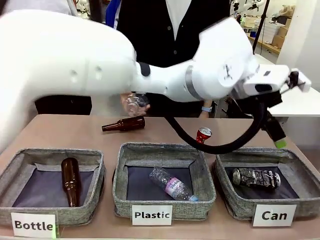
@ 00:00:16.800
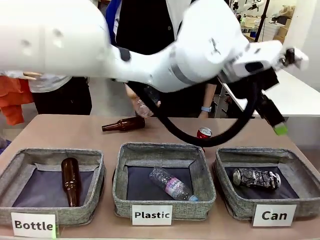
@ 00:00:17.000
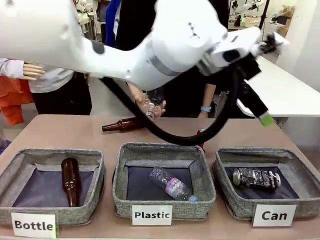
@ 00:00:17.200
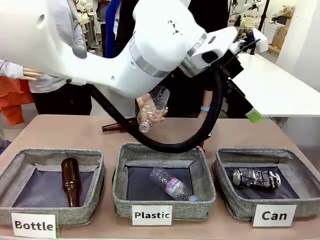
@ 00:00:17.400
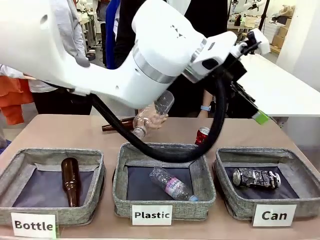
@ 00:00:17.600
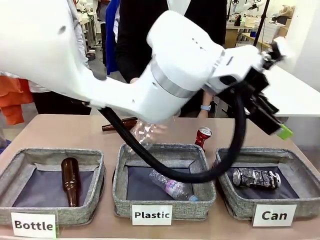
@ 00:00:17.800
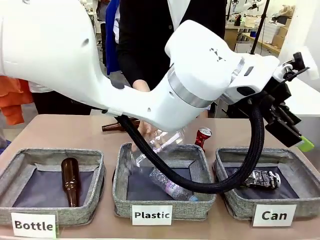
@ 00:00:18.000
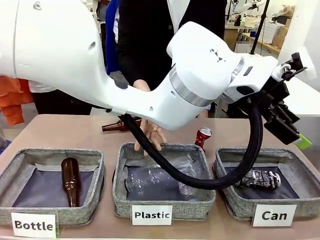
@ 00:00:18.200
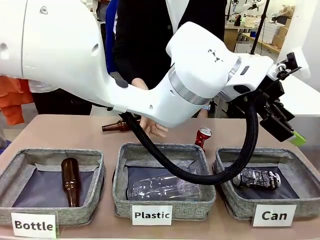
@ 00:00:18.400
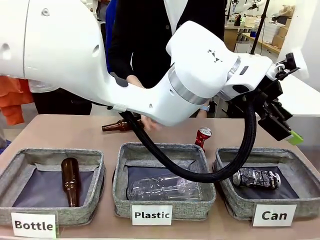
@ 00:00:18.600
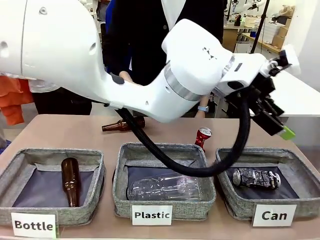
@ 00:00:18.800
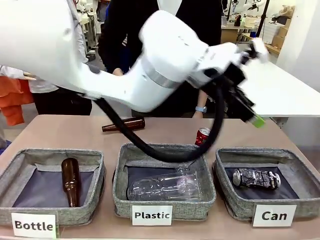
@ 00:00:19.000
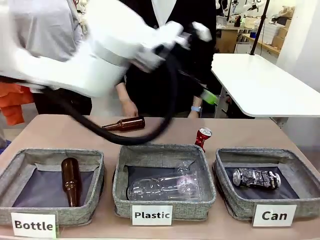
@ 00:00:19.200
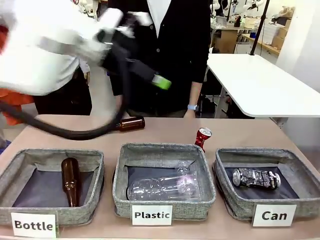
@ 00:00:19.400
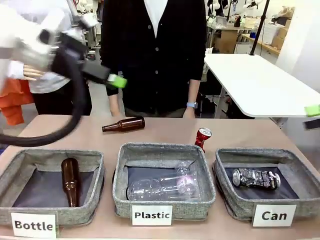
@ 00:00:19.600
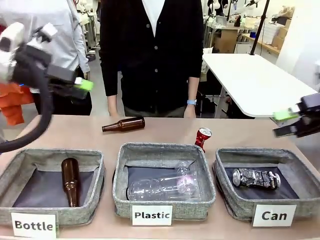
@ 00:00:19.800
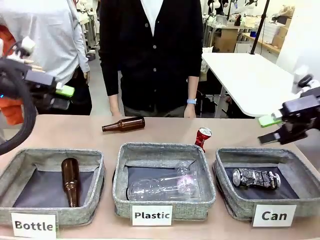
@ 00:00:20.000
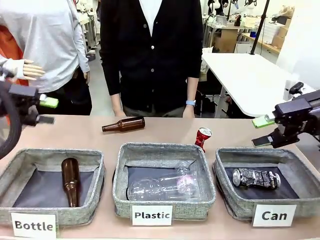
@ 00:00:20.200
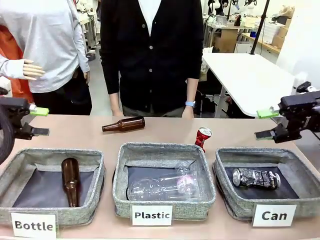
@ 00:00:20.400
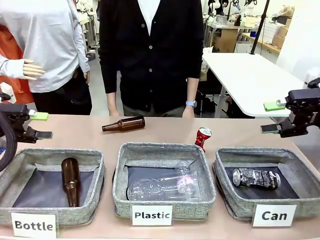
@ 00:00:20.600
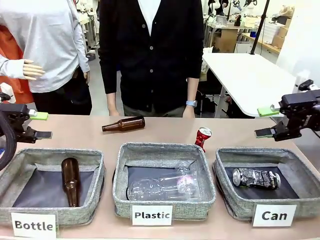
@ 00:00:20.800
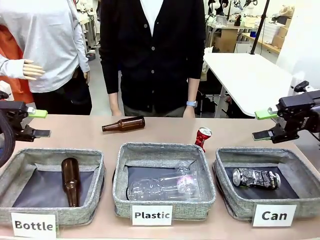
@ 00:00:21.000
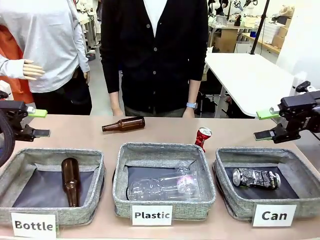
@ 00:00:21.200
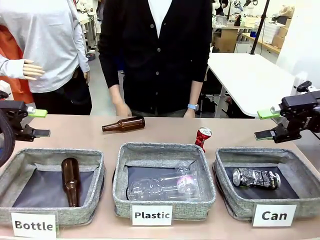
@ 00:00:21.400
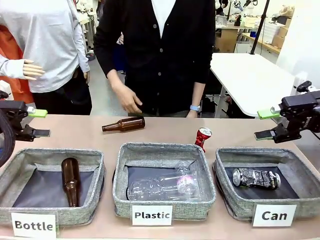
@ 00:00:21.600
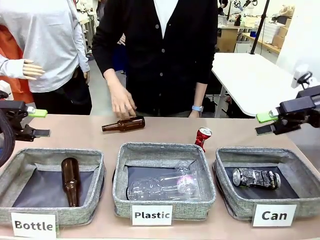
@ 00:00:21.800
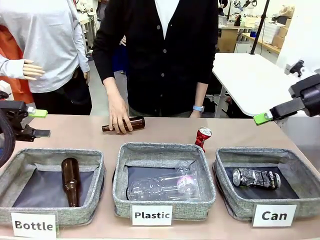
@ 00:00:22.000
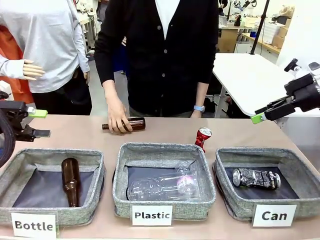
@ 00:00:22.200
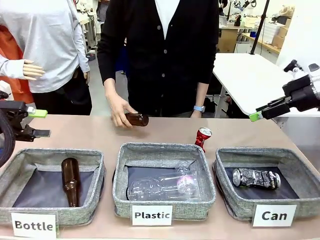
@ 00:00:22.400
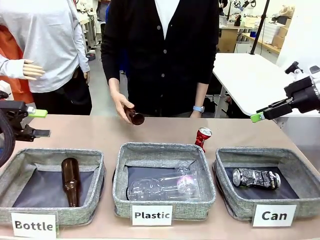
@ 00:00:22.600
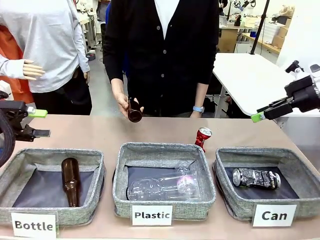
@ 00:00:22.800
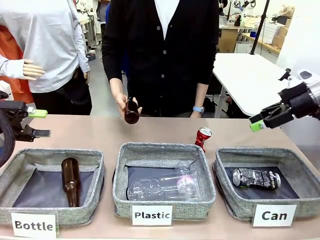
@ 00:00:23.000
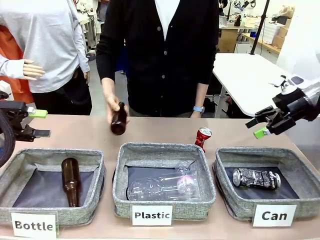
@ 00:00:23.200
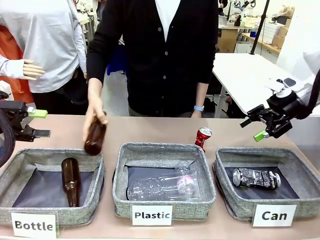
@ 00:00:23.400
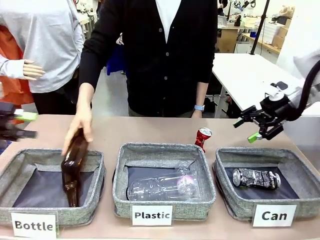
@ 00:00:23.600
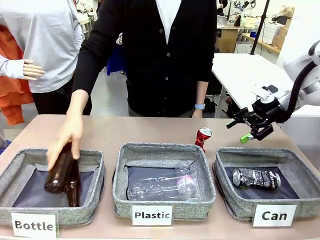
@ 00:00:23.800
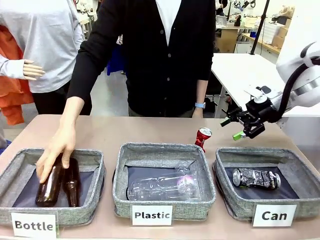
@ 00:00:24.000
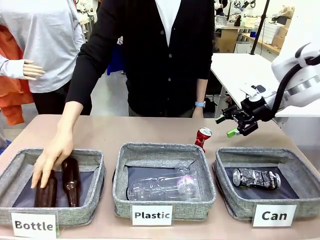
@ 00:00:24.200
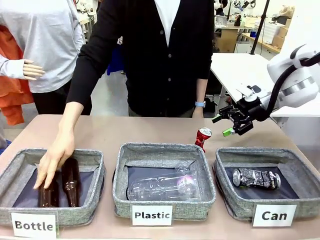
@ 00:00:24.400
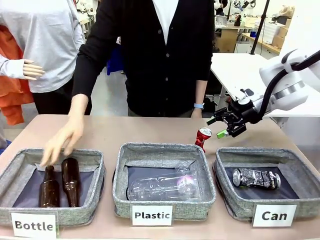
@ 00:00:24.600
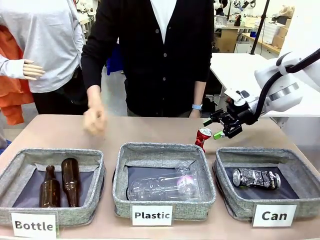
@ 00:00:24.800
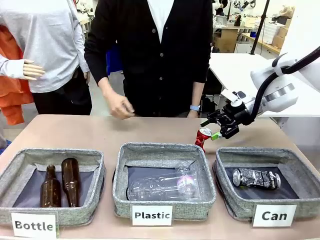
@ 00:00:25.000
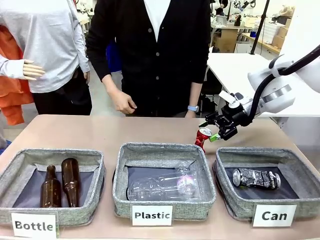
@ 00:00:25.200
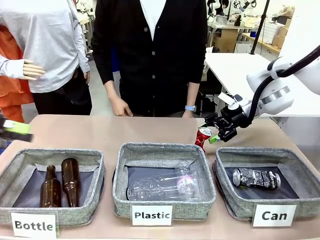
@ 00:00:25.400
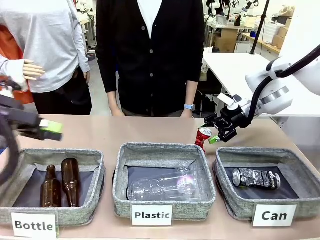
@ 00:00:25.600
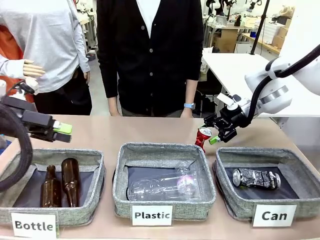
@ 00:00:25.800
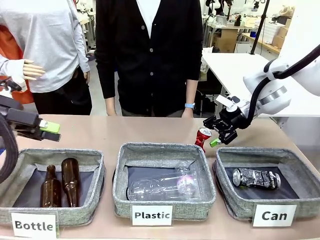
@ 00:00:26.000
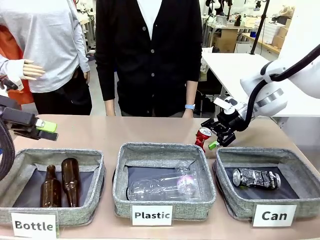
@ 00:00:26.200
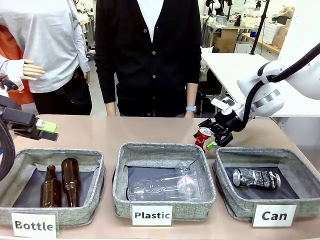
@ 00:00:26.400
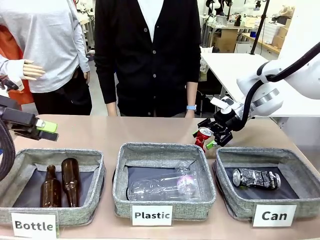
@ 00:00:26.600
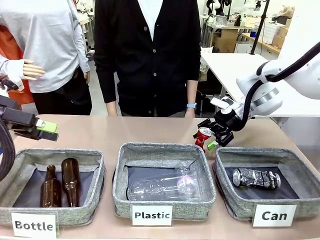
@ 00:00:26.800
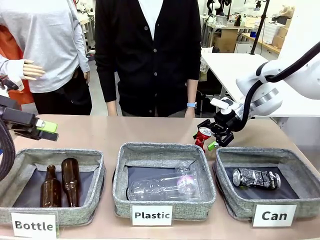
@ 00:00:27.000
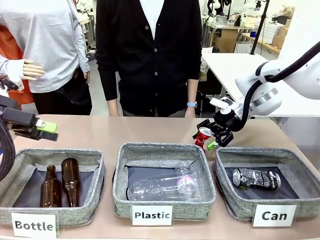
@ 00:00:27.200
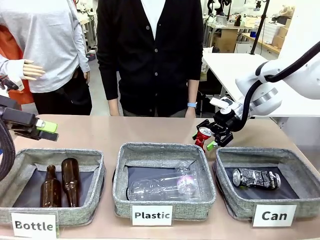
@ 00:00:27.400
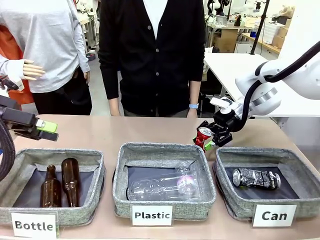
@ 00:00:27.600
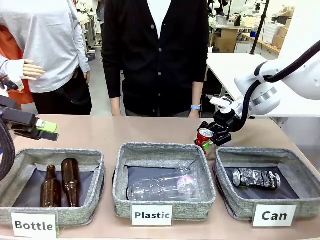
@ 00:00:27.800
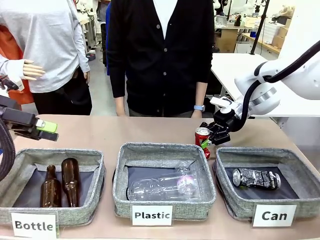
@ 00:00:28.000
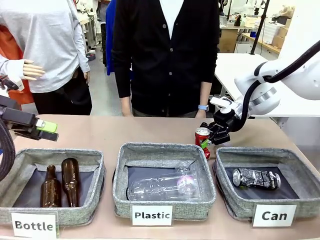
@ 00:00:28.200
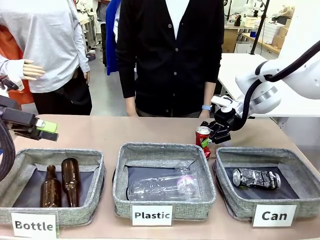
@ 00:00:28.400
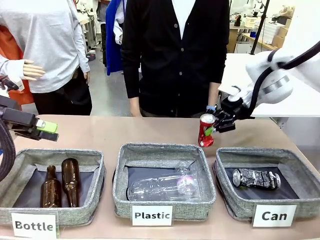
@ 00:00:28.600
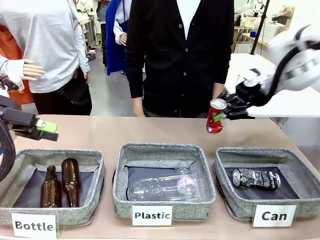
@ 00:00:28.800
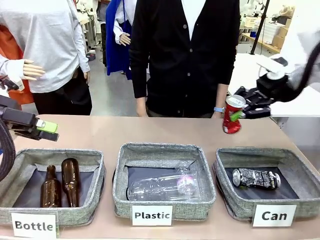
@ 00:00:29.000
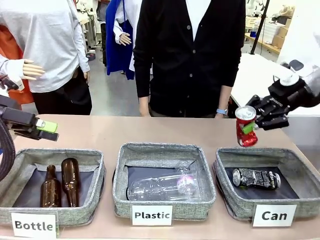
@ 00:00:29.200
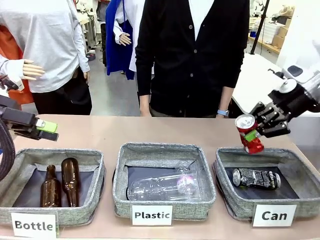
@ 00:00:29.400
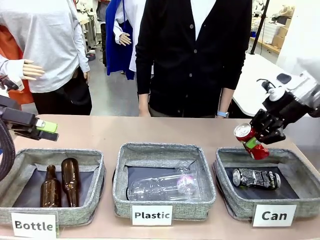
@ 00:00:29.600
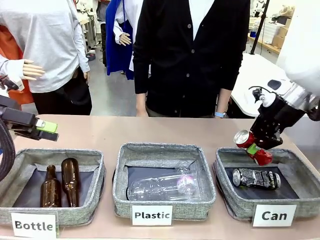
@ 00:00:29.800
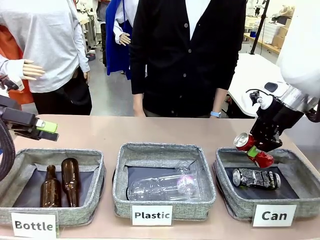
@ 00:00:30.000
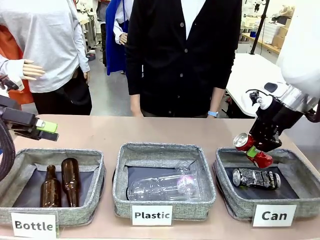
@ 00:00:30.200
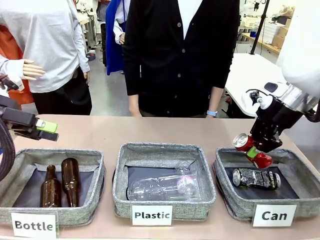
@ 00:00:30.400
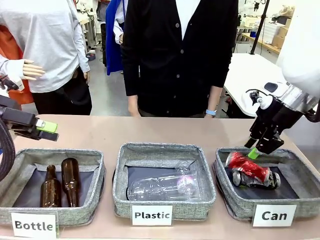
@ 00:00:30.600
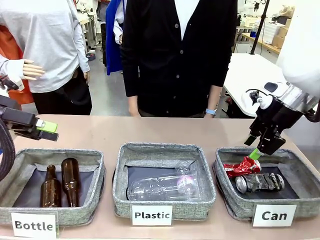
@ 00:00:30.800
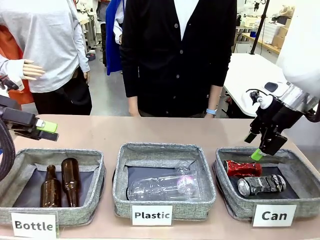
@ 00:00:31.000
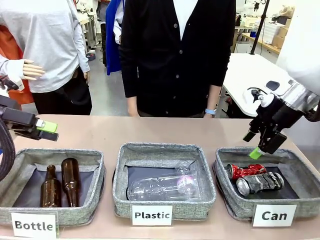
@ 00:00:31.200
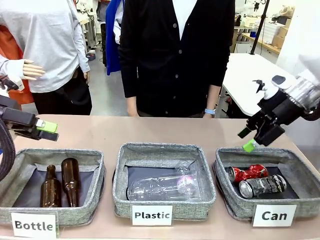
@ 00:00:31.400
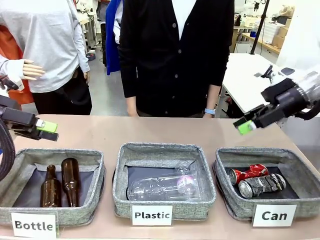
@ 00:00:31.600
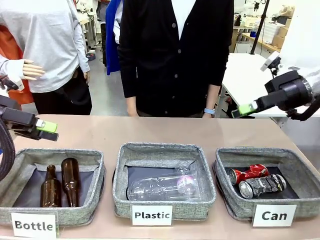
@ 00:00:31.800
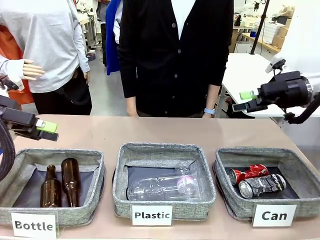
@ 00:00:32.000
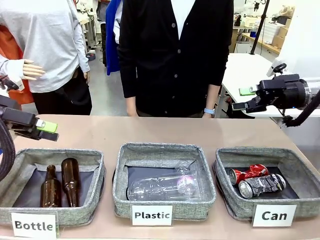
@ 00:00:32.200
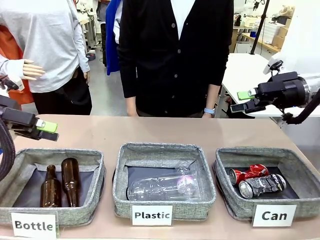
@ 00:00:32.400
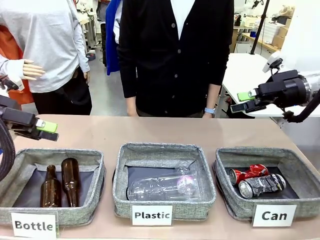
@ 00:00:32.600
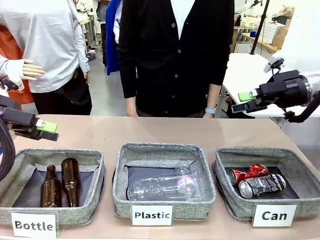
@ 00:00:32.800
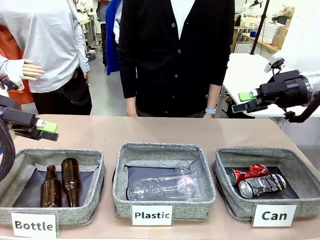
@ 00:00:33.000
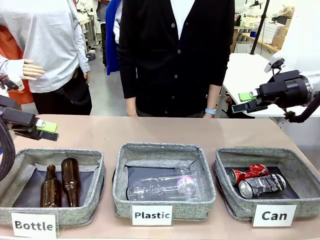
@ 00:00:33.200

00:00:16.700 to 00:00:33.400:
Task: Sort the can waste into the basket.
Robot: Pick up the can waste from the table and place it in the right Fabric basket.
